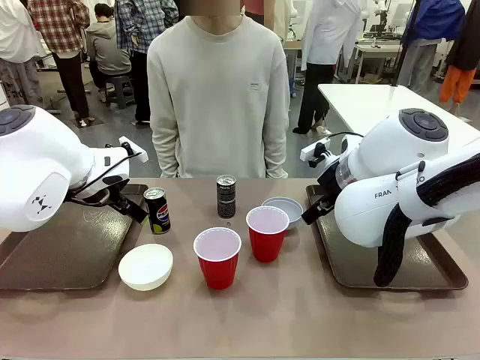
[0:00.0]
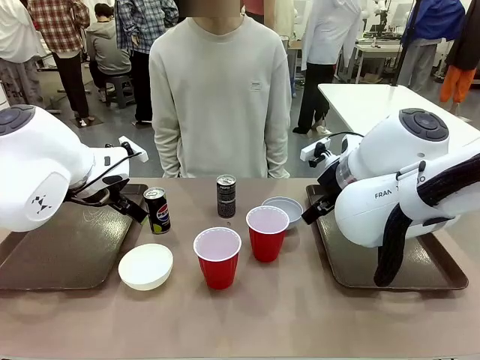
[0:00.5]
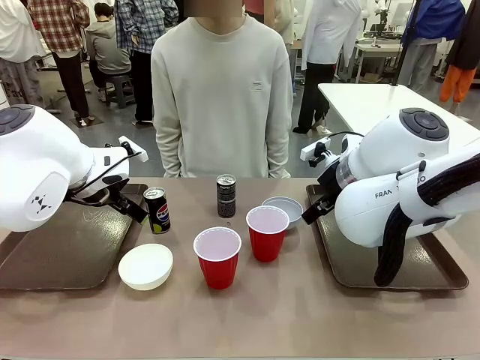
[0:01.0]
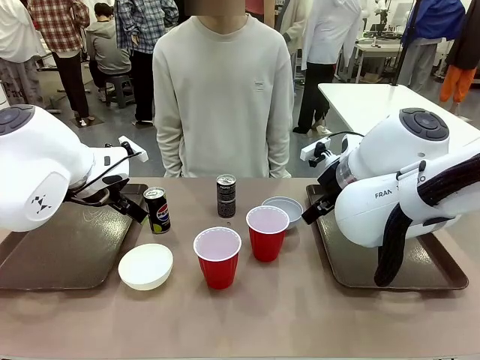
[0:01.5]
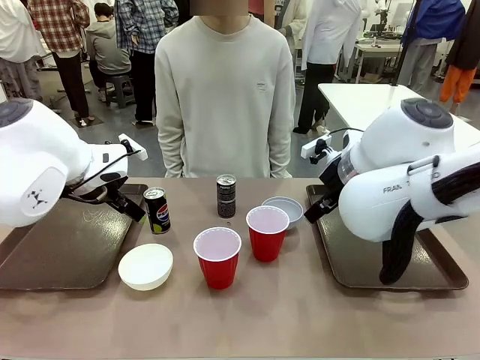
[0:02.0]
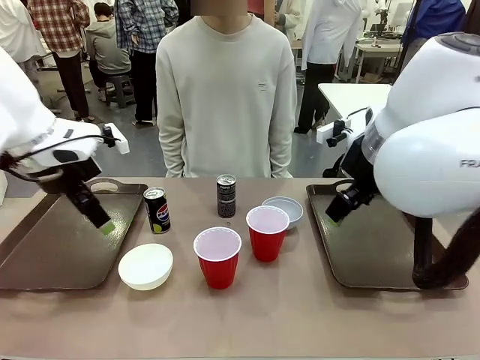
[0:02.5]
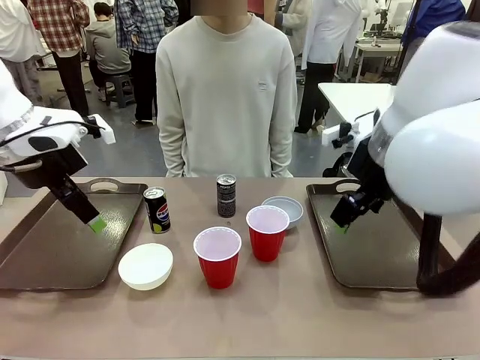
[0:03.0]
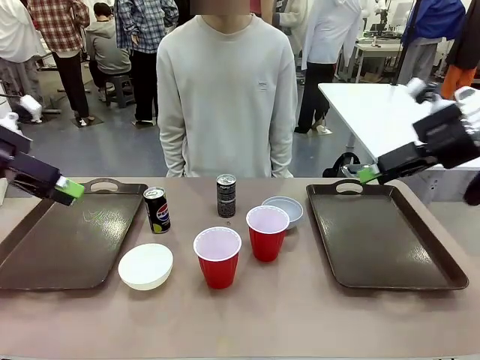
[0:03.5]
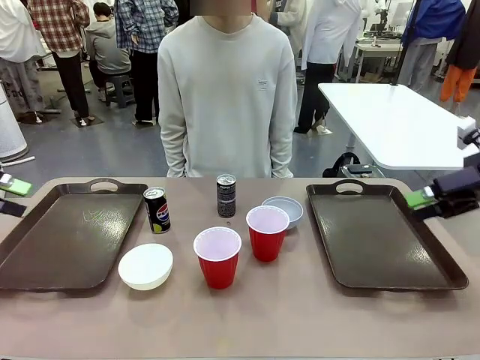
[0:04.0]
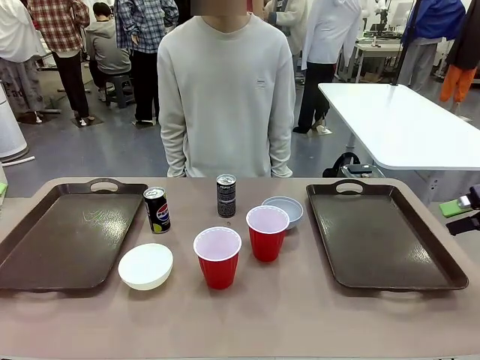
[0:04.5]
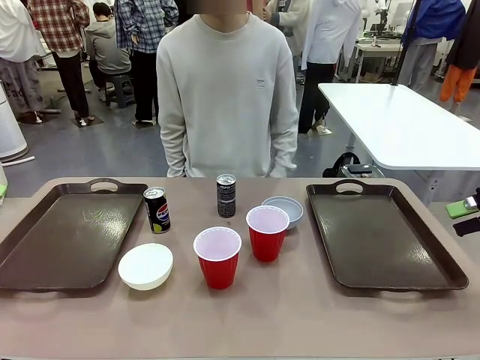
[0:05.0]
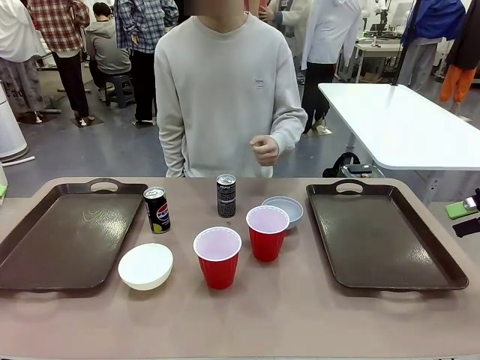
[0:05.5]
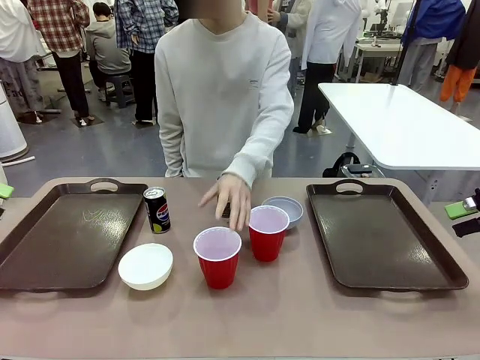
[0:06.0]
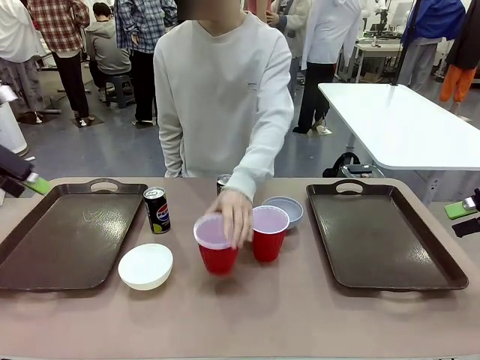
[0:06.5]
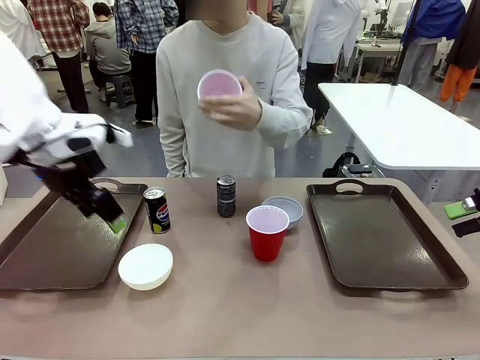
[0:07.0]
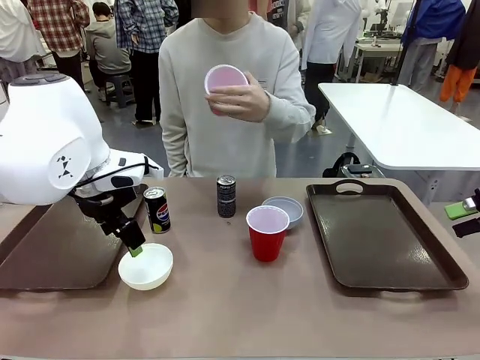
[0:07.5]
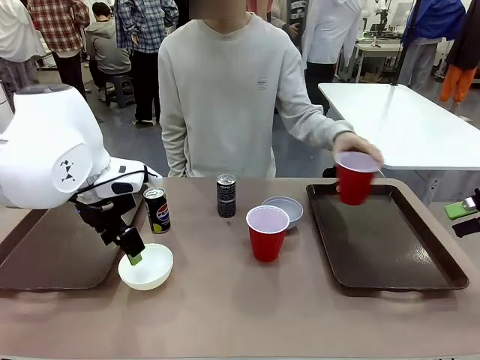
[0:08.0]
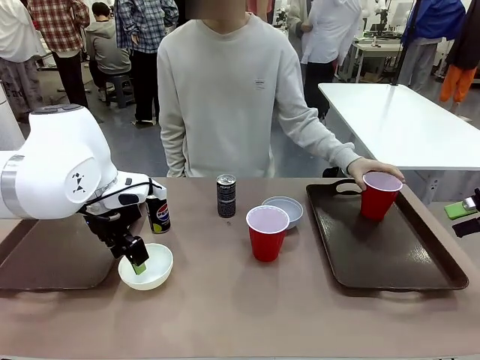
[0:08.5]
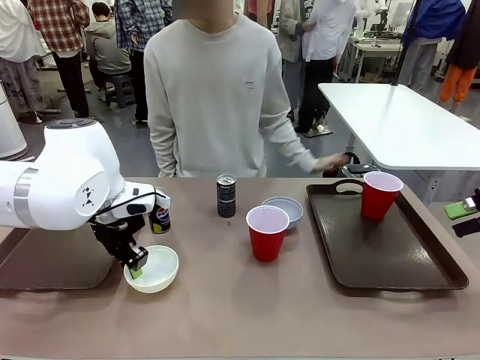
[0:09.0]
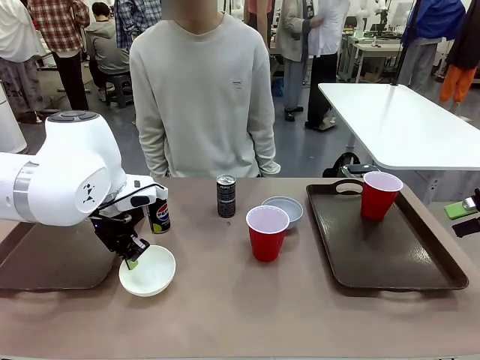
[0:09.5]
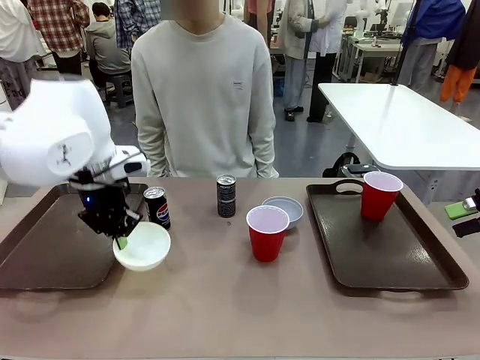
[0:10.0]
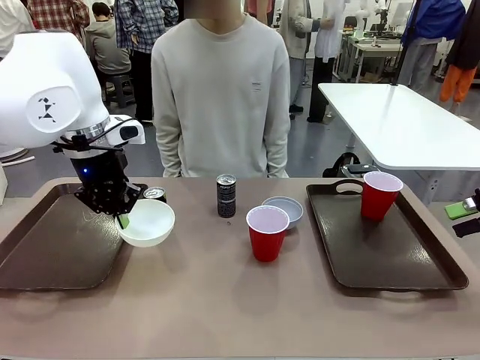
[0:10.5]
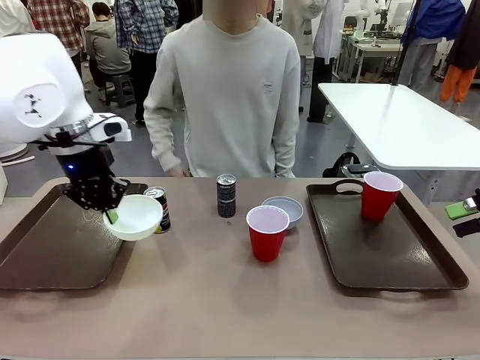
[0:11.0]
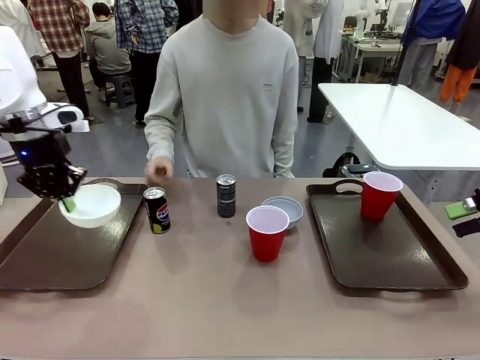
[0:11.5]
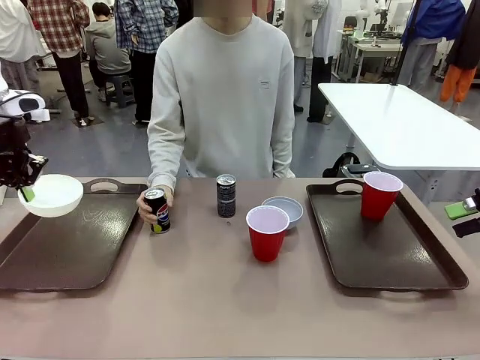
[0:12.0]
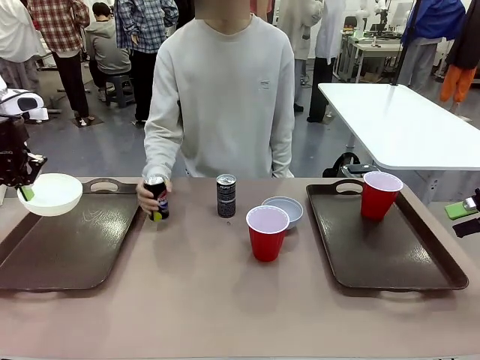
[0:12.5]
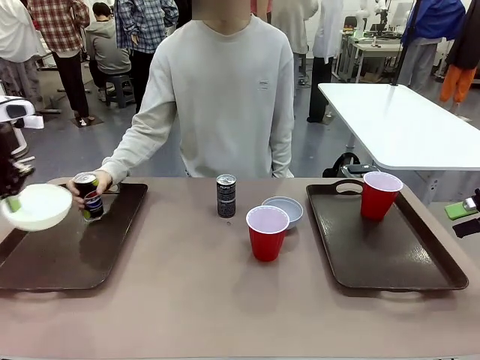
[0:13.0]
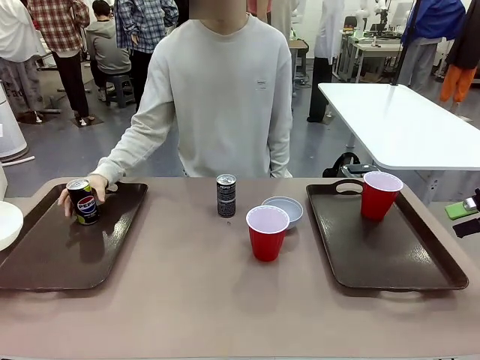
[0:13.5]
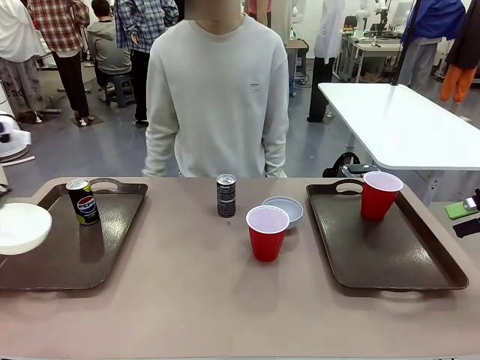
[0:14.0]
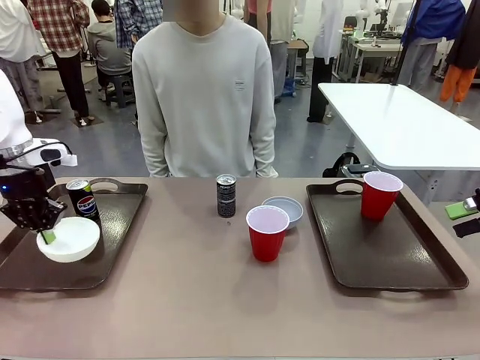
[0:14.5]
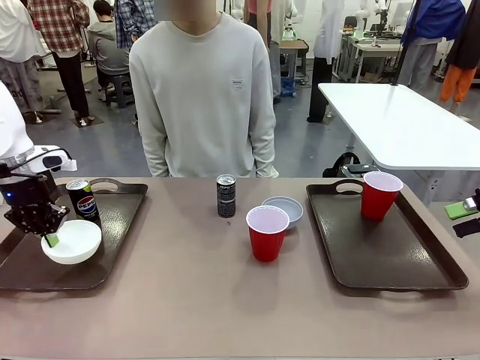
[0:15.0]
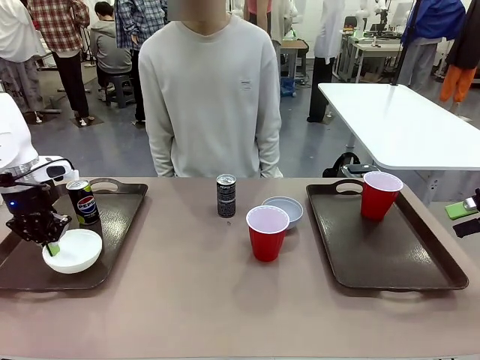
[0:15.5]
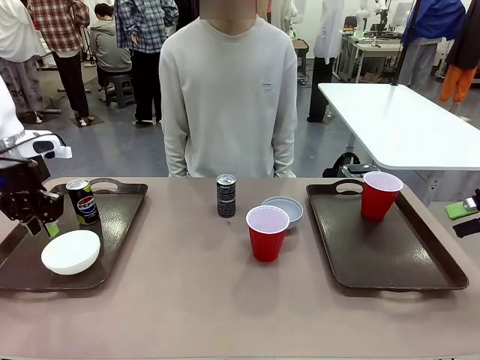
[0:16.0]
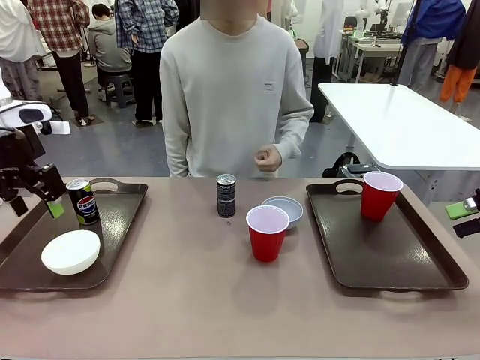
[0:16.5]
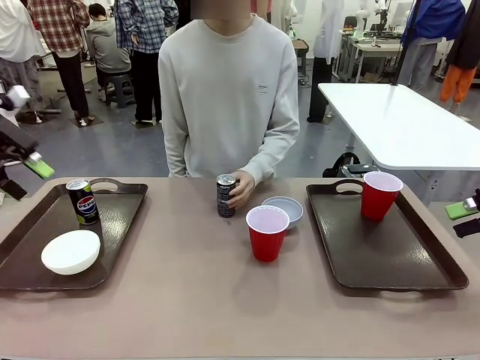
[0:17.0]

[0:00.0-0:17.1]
Task: Prepare tableware on both trays.
Robot: Pick up a Picnic Bowl from the table and place it on a Handle tray.
Person: Pick up a can or cup and place it on the tray.
